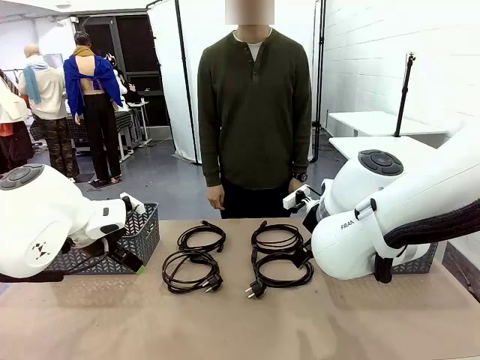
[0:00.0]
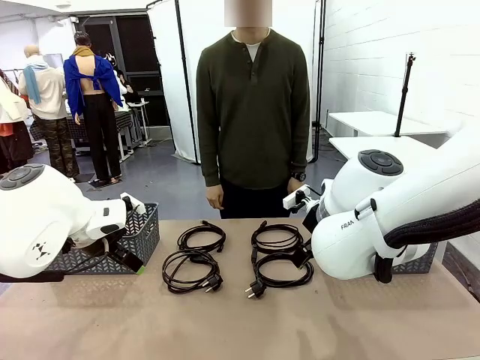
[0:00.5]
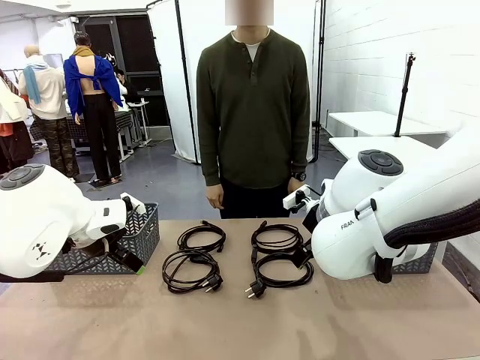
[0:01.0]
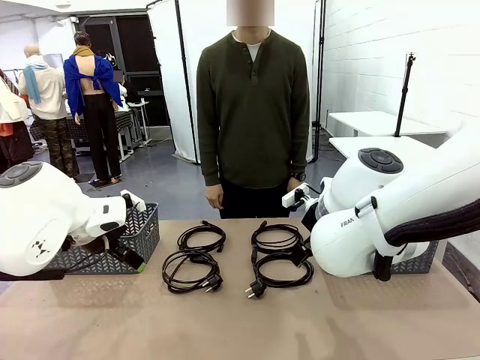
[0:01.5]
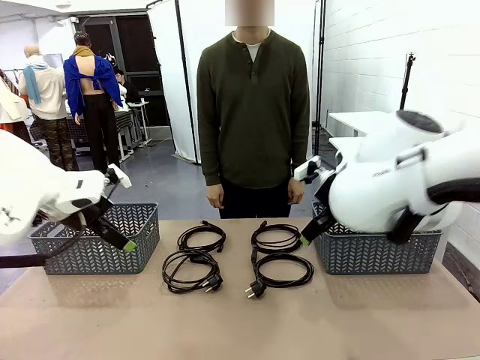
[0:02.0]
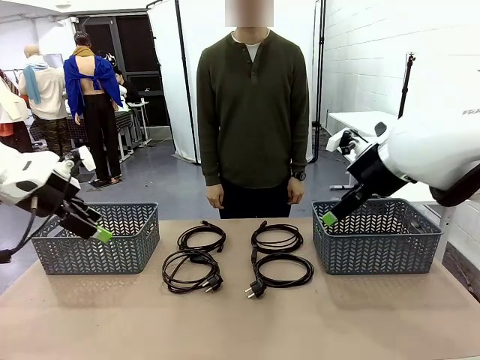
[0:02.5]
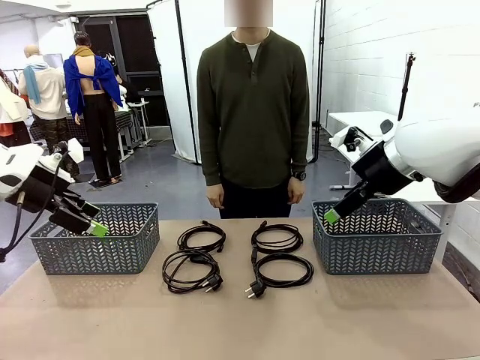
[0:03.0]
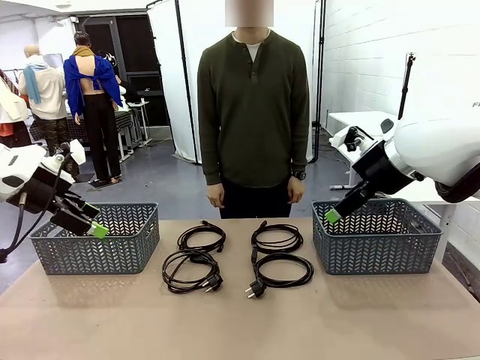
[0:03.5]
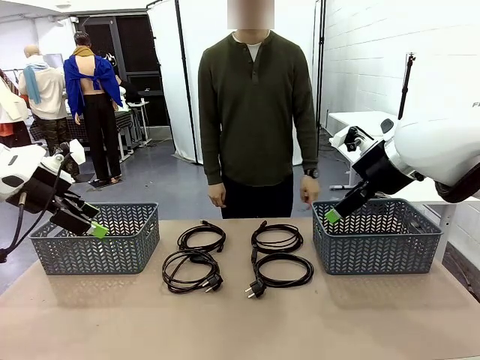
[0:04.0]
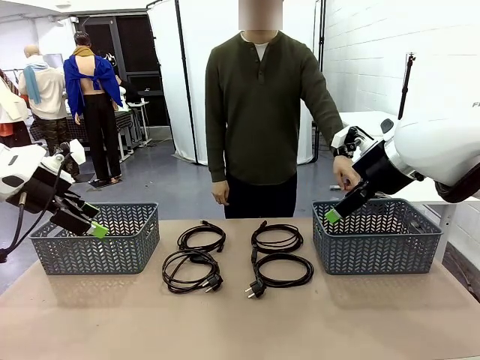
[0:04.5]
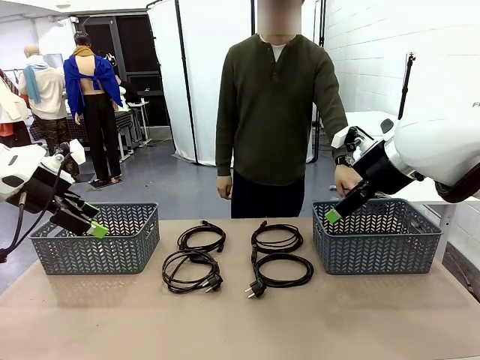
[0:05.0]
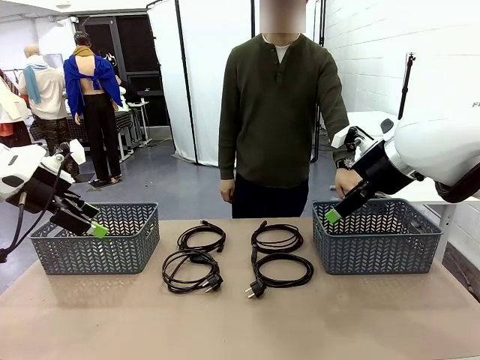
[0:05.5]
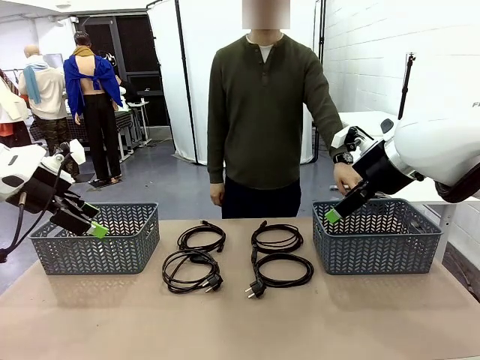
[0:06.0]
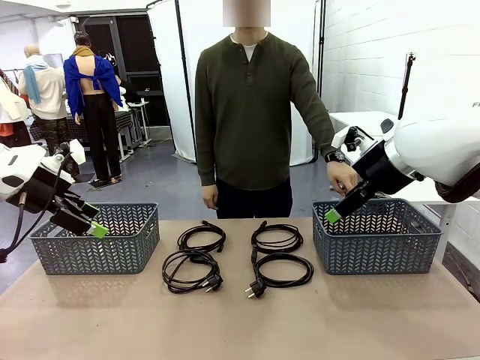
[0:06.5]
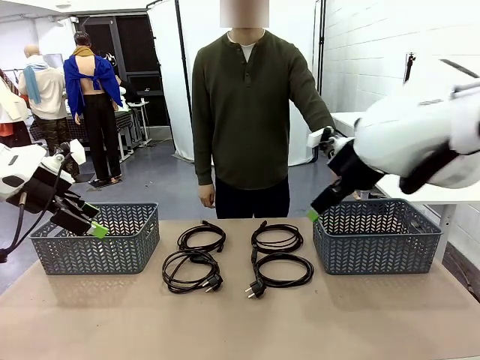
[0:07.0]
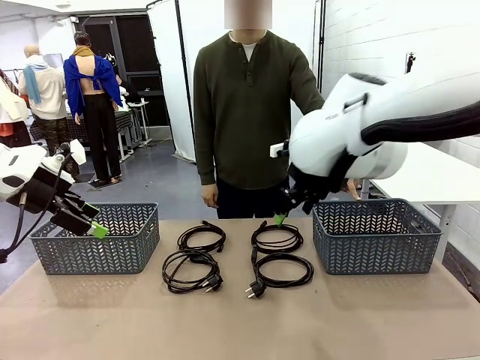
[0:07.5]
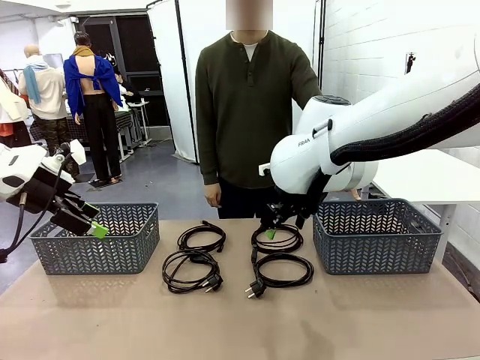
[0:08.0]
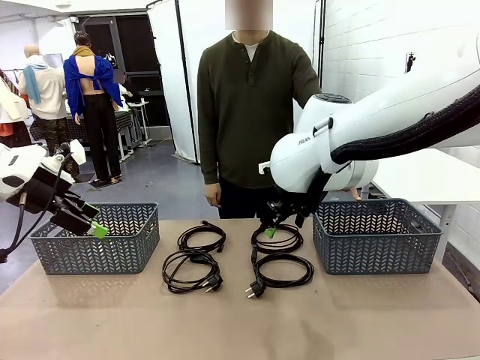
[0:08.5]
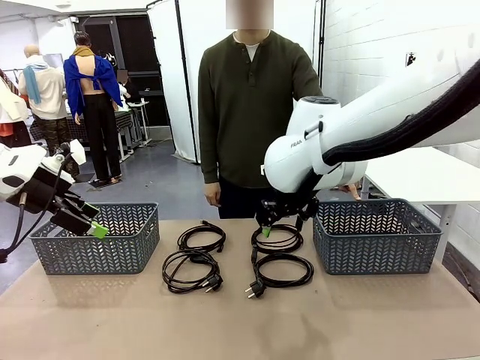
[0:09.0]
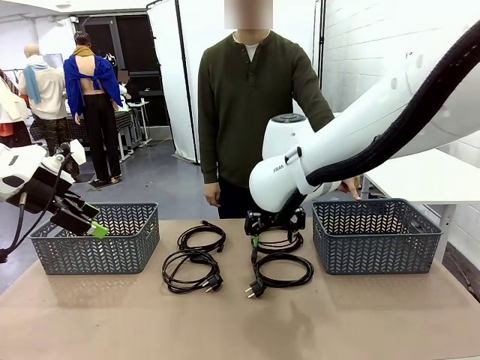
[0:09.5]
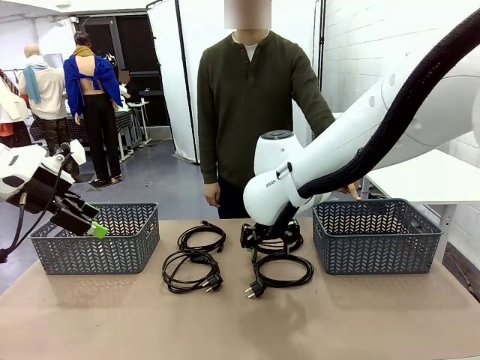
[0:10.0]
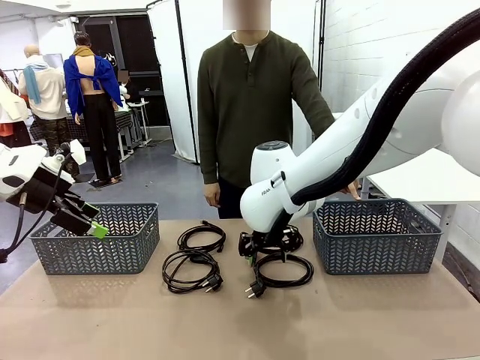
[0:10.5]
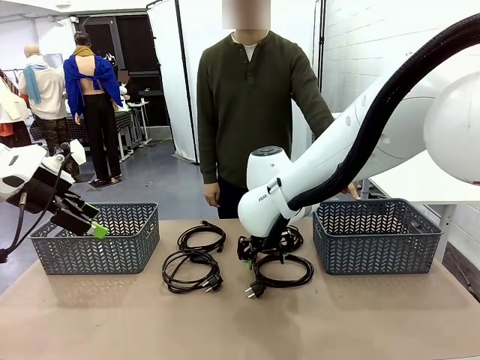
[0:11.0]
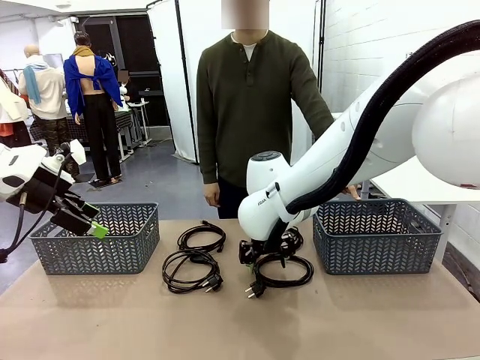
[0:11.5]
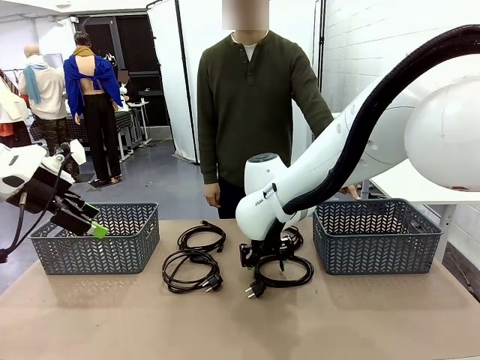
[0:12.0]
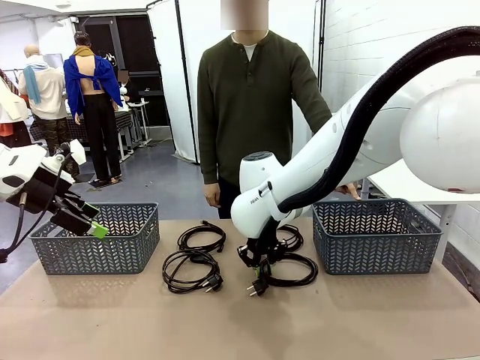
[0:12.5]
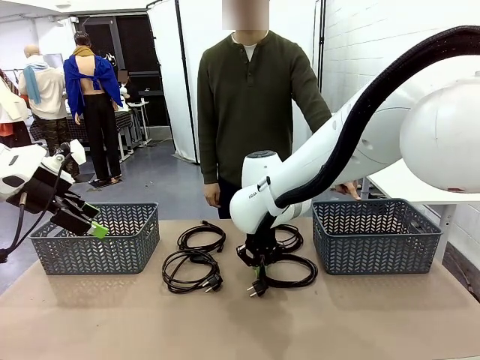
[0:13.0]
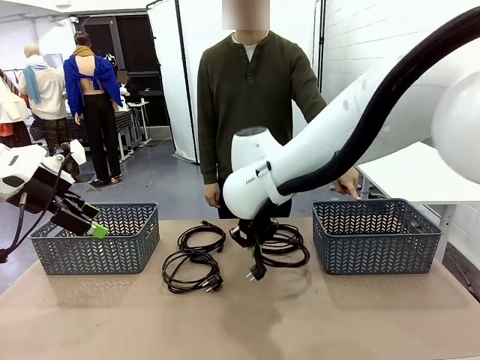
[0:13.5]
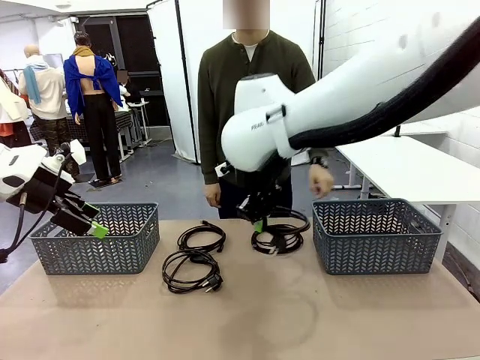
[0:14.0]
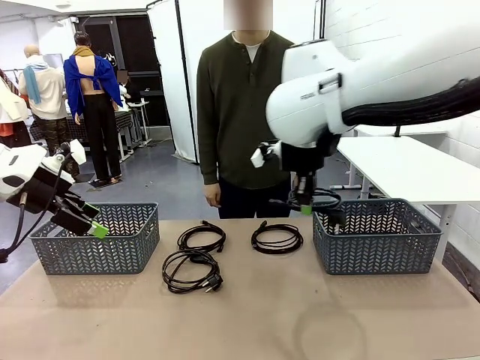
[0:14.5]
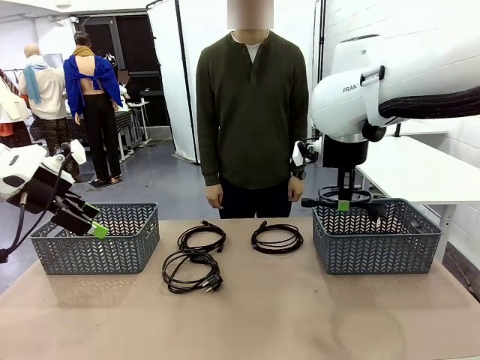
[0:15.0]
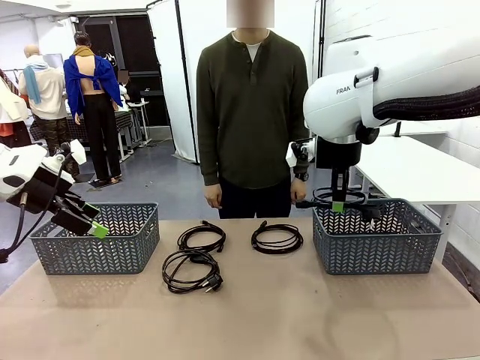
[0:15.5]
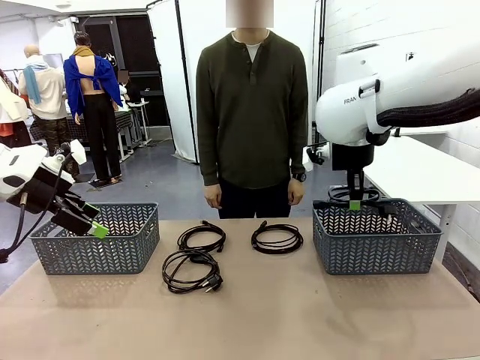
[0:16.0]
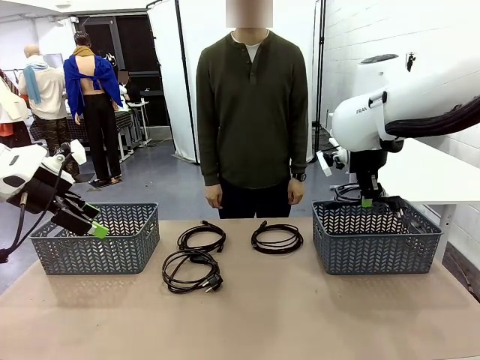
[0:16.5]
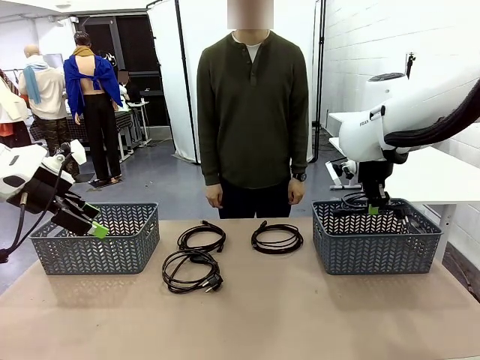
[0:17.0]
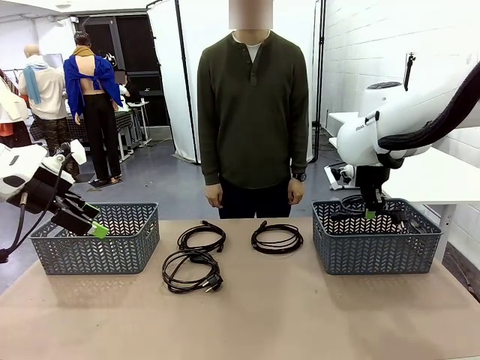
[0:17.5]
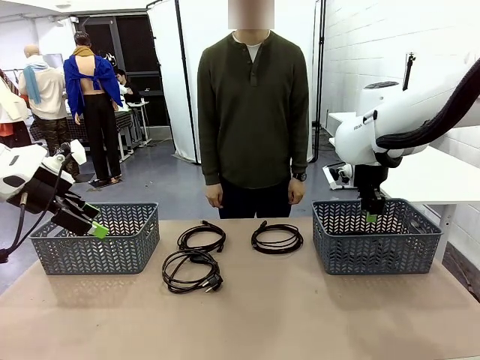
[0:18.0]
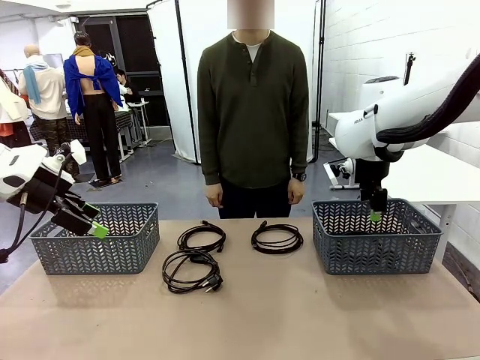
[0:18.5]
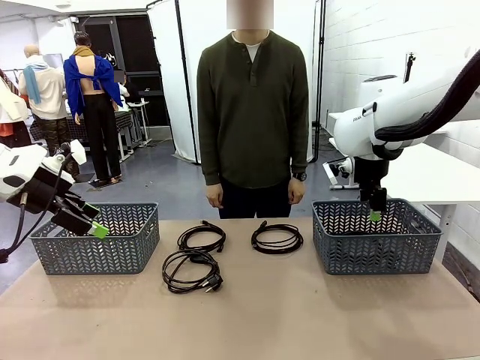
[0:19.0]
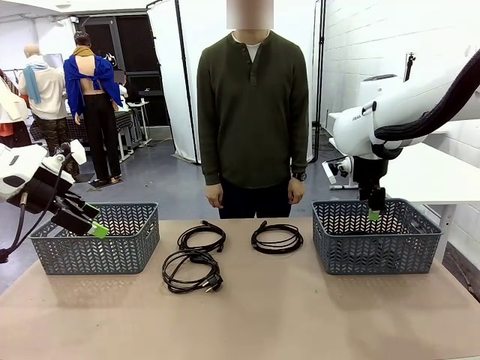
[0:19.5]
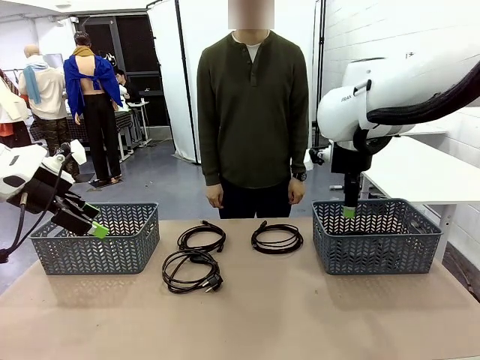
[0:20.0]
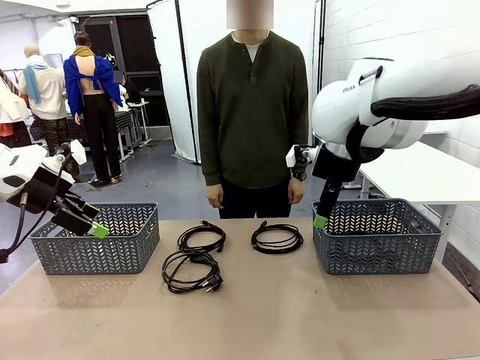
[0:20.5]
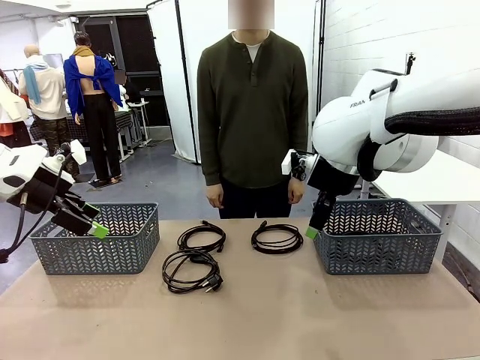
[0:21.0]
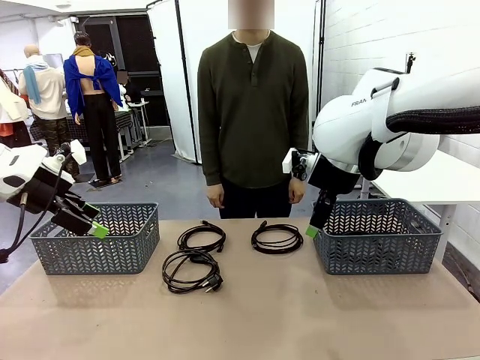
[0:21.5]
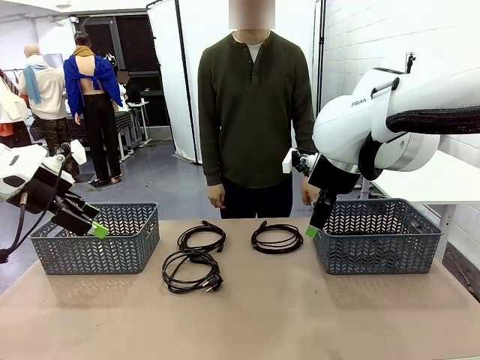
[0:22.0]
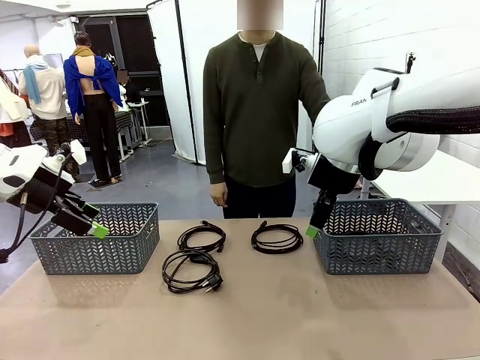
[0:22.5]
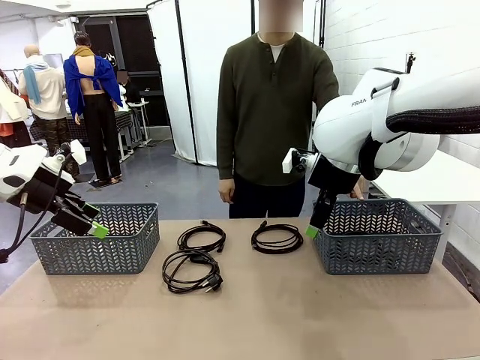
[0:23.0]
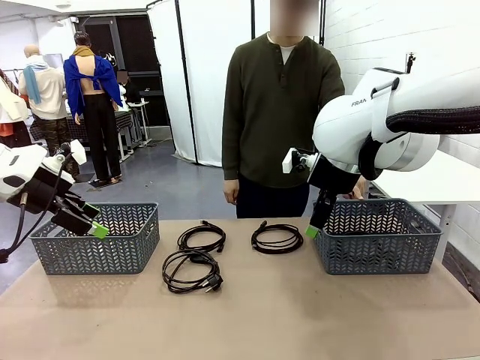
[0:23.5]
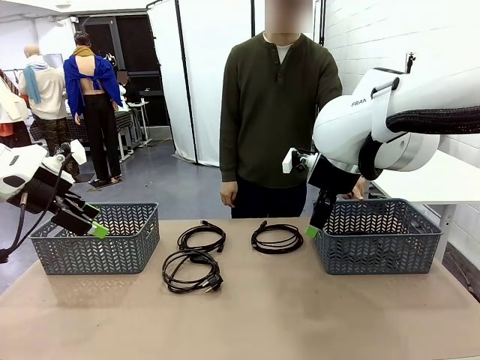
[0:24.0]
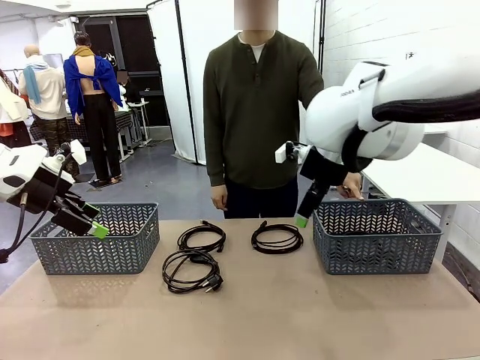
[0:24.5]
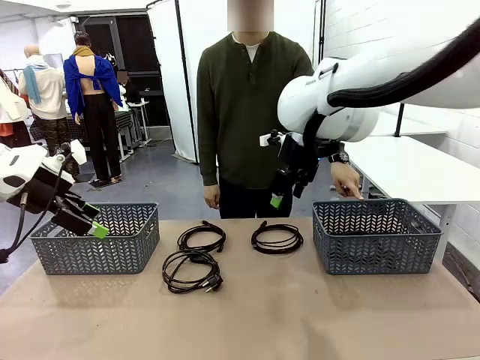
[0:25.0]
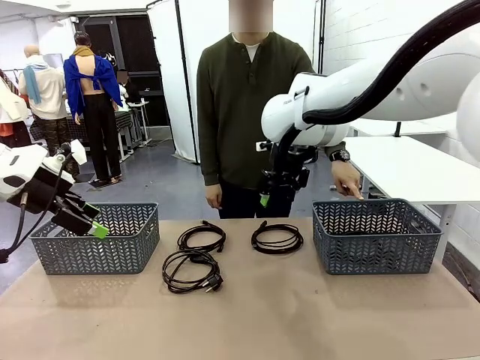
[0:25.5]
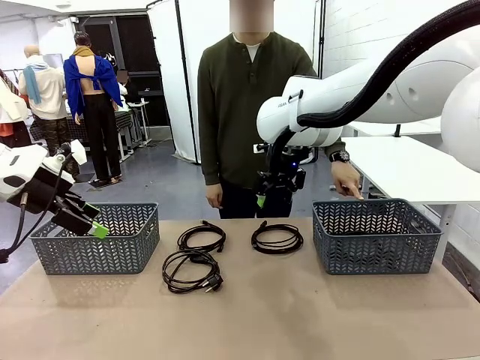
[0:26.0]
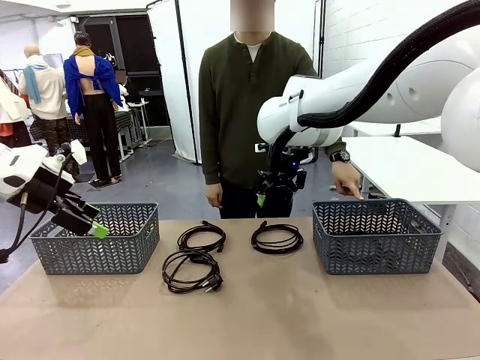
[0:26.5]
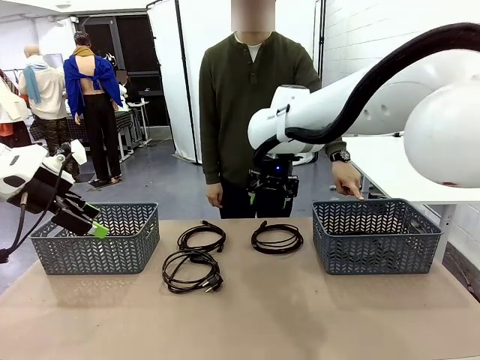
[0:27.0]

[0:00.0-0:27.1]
Task: Organize the cables according to human instructions.
Robot: Pick up a bundle of cables and place it in the basket indicated by the human.
